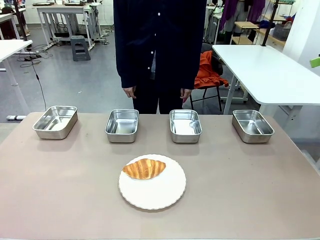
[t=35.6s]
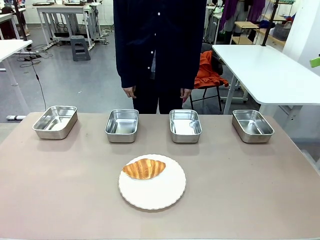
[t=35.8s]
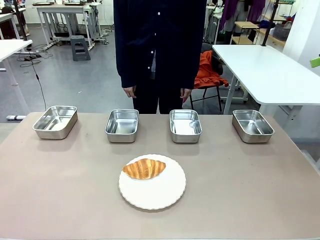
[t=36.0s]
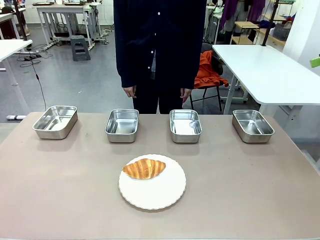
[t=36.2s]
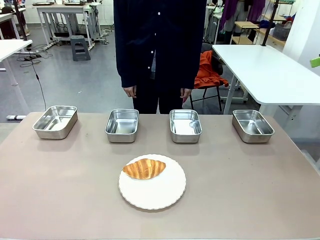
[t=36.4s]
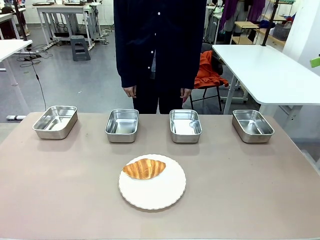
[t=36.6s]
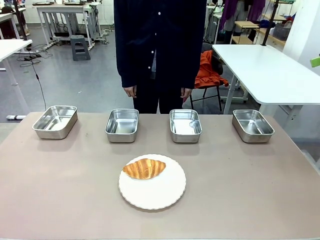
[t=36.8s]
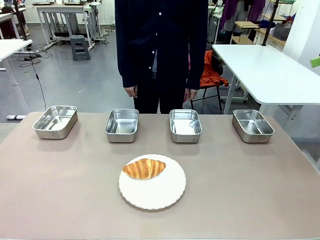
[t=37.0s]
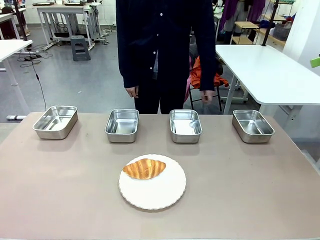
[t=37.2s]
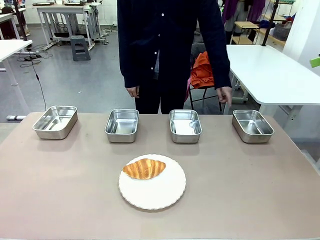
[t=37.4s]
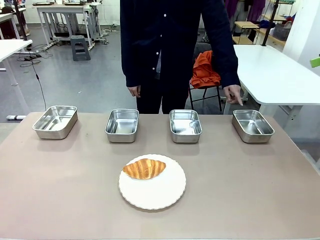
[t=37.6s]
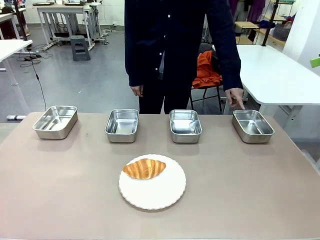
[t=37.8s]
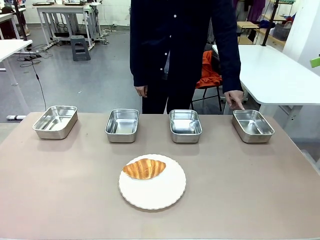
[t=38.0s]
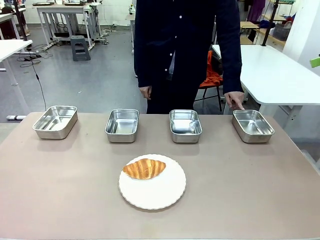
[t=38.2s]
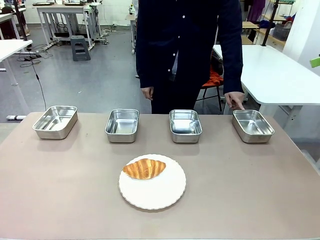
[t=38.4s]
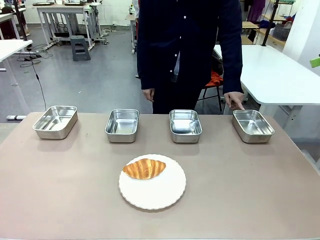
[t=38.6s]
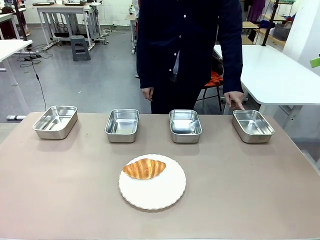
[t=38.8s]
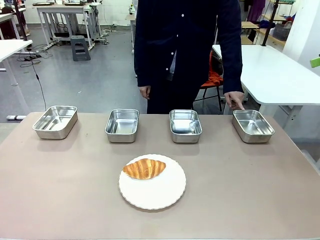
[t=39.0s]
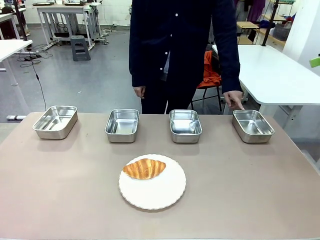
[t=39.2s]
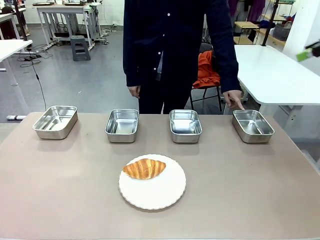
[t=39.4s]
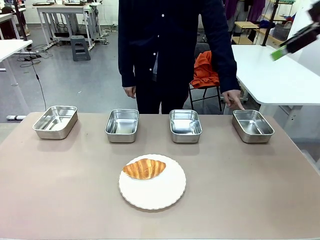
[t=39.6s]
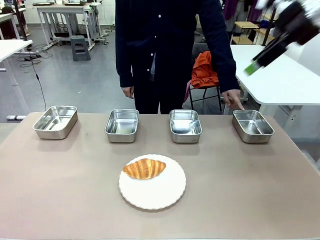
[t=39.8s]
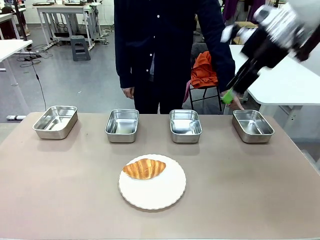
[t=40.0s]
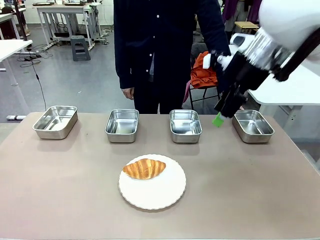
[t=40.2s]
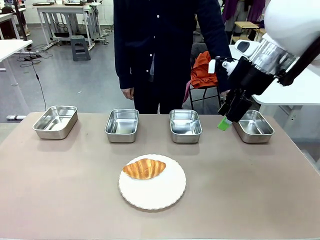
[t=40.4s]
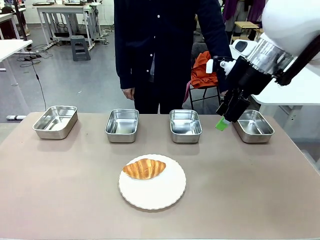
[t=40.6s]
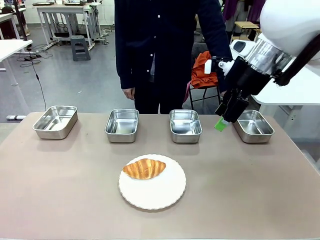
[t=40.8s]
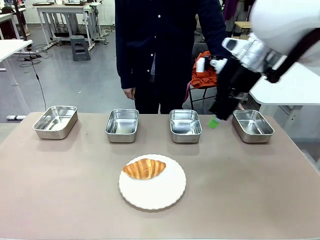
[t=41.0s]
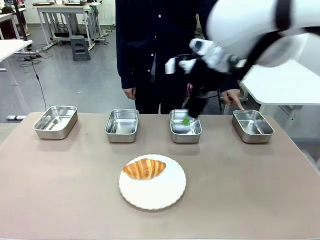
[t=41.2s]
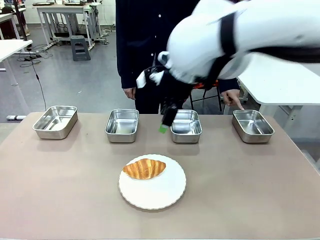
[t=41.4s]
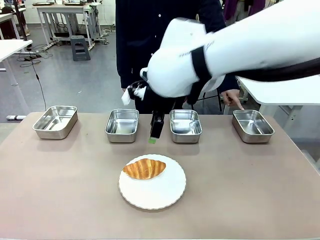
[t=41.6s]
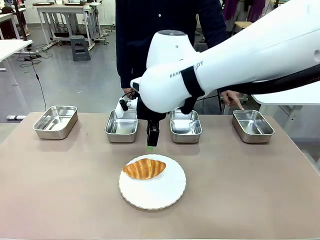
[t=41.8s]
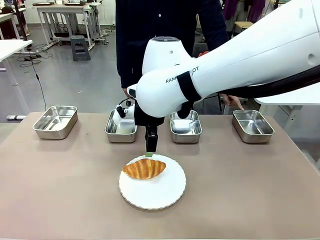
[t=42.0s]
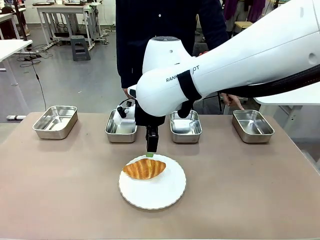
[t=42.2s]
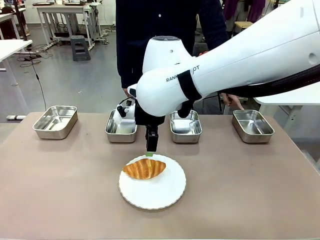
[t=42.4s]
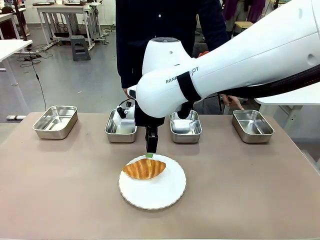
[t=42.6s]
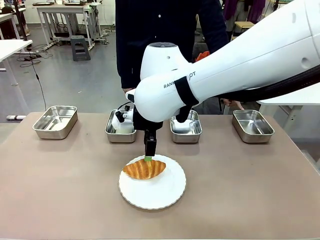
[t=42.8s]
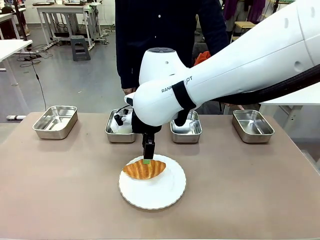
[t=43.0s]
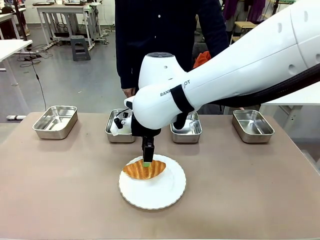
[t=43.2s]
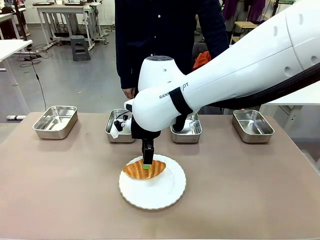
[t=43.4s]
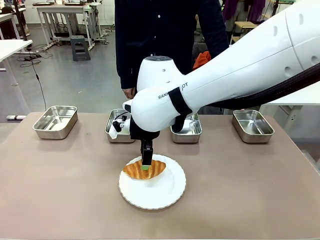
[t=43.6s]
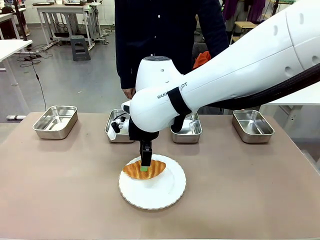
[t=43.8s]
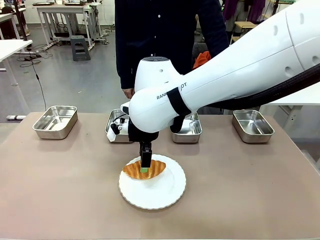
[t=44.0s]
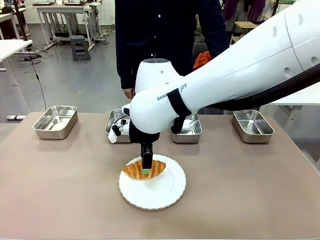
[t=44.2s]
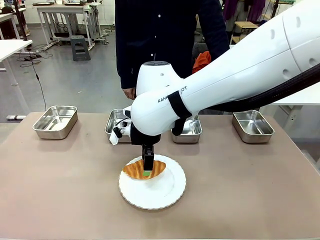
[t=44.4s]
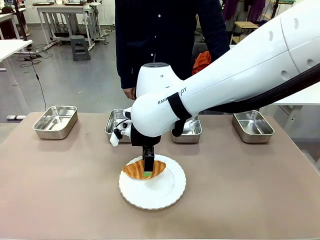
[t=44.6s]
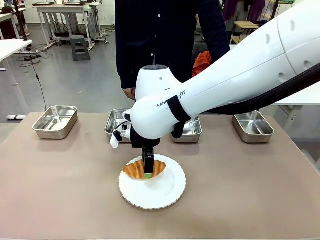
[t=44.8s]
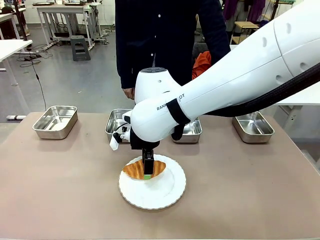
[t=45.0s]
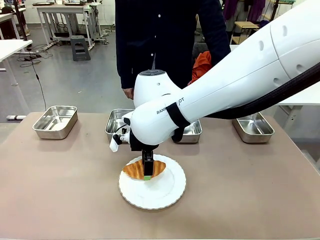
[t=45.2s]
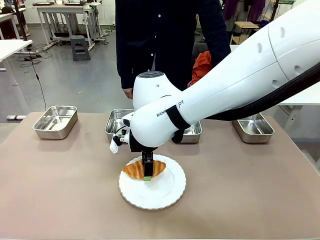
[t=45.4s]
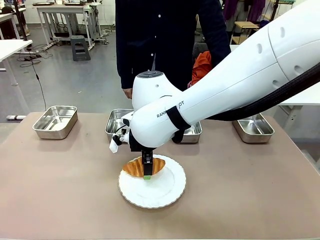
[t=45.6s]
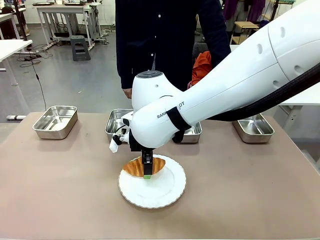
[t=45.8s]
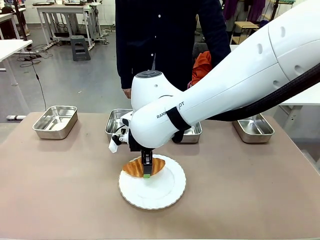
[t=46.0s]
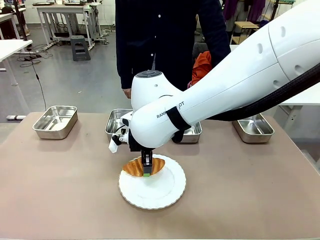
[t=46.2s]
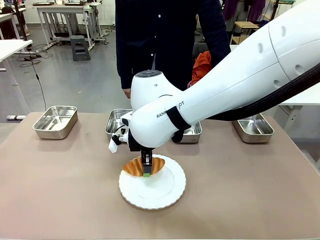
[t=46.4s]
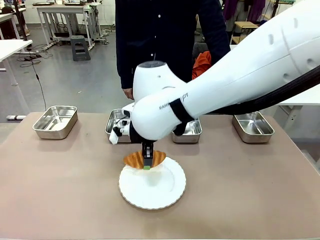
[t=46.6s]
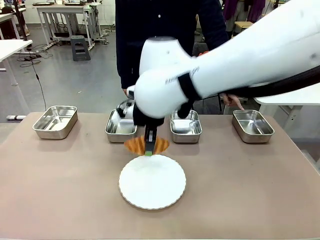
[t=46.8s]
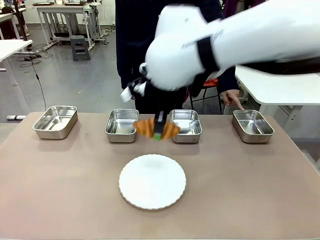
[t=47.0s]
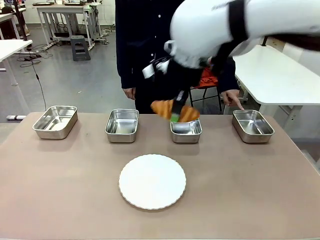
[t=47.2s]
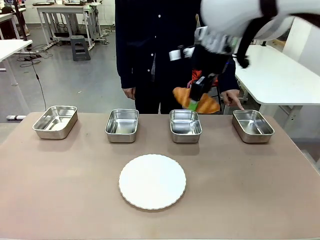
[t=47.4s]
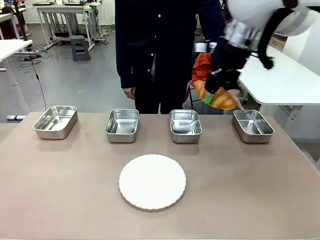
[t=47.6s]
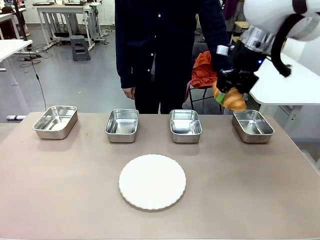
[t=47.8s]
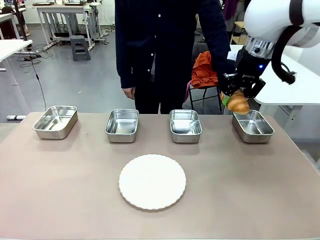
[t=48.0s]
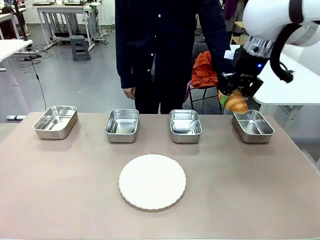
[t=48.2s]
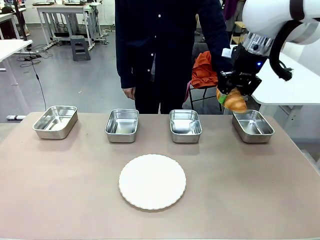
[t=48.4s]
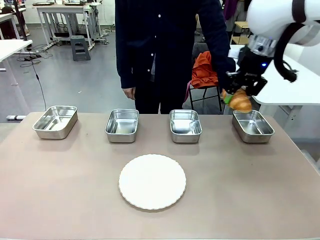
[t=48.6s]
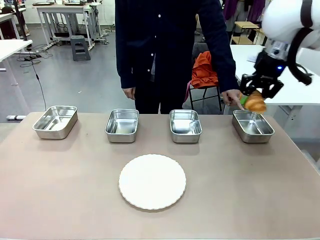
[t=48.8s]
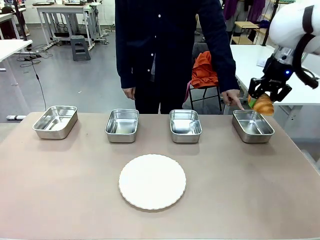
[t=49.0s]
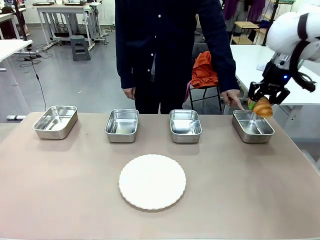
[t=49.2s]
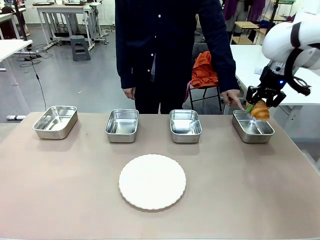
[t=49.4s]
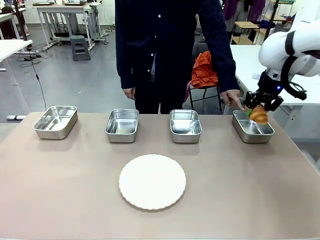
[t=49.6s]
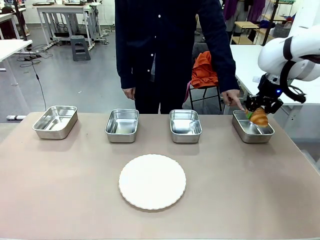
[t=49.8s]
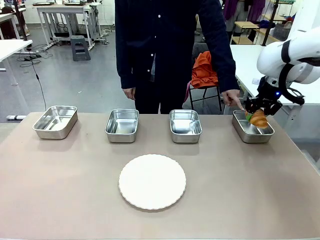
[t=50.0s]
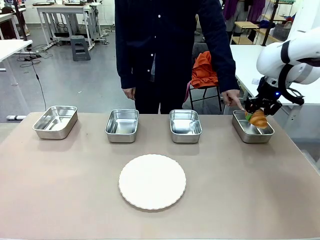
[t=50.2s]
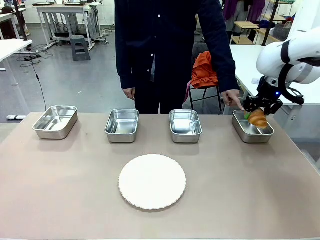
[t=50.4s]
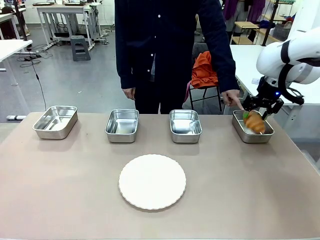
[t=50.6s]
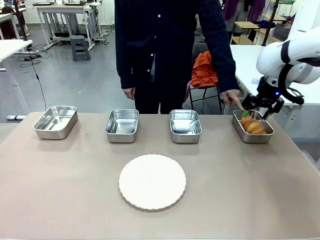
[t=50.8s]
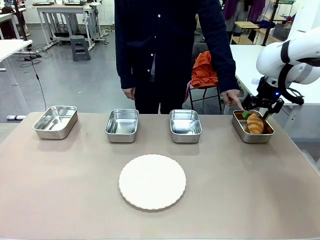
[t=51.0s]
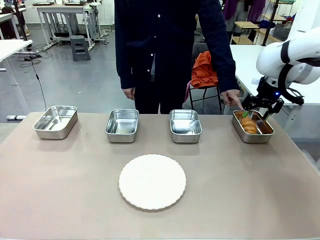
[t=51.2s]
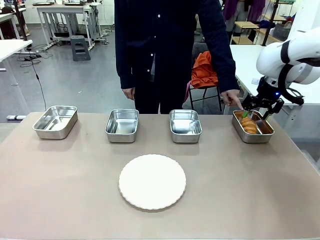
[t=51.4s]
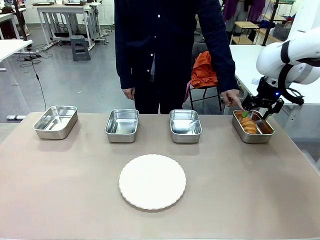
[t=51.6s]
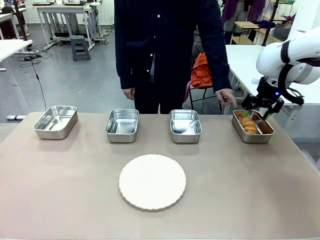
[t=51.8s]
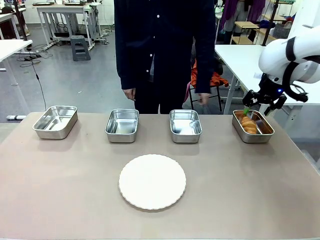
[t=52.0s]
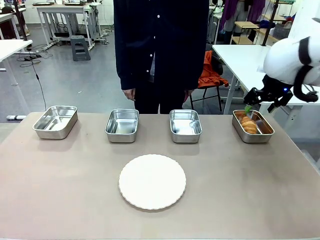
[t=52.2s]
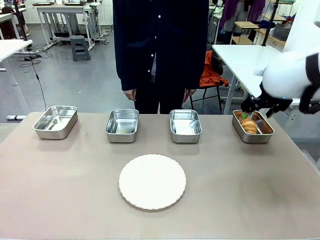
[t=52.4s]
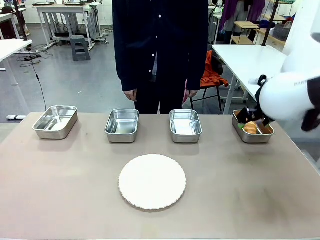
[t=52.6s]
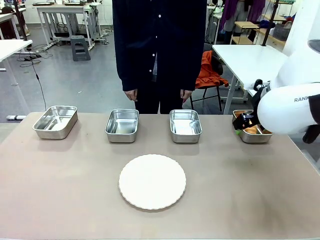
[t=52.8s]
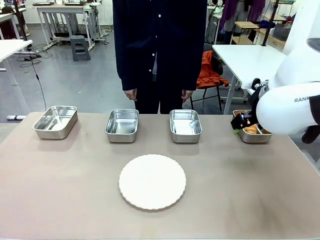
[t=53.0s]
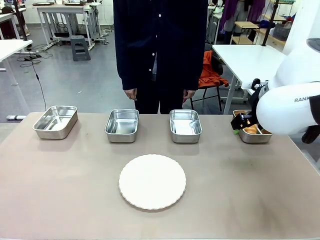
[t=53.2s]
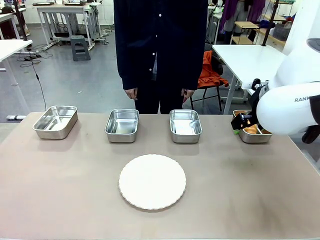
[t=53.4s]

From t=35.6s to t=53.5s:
Task: Place the bread in the container.
Robot: Place the Butter Roll into the Airtight Container indicated by the human.
